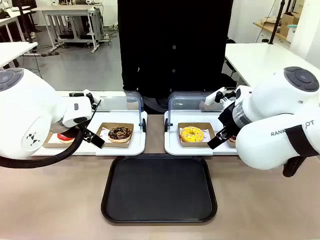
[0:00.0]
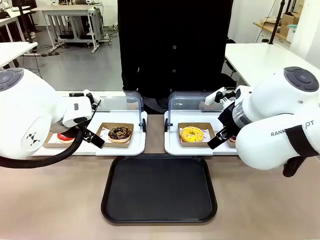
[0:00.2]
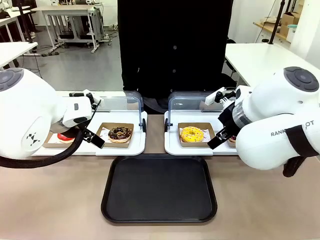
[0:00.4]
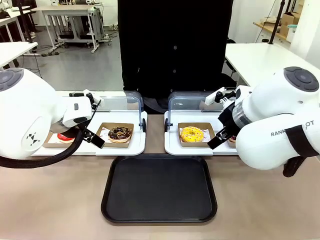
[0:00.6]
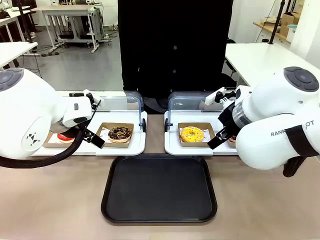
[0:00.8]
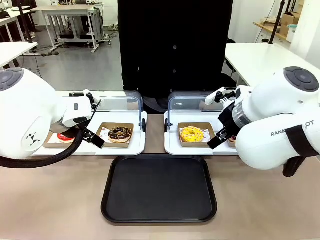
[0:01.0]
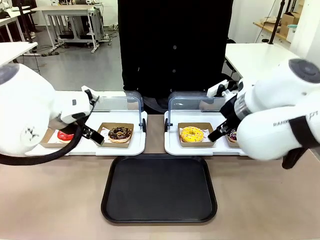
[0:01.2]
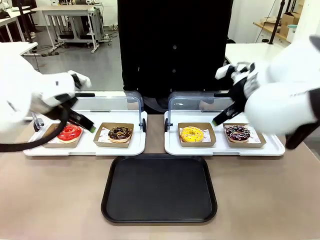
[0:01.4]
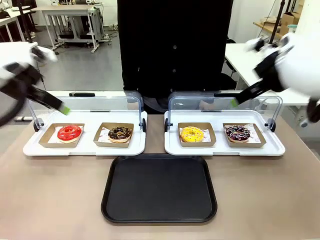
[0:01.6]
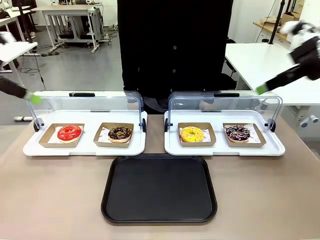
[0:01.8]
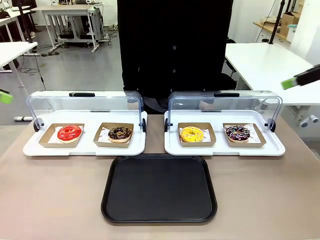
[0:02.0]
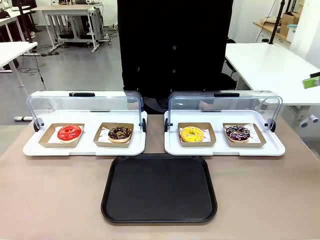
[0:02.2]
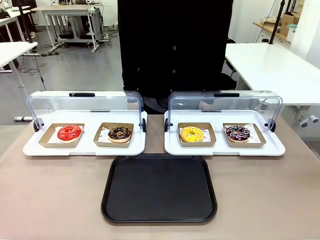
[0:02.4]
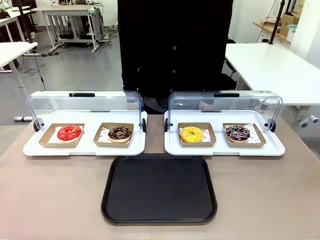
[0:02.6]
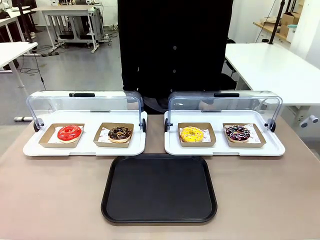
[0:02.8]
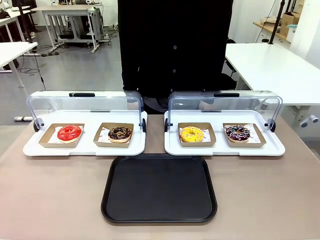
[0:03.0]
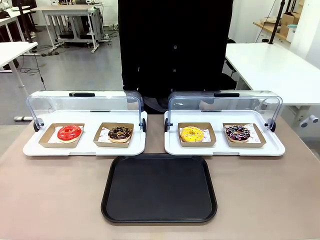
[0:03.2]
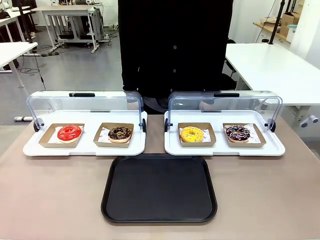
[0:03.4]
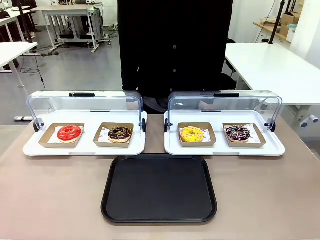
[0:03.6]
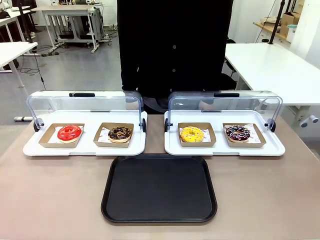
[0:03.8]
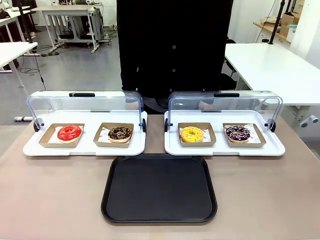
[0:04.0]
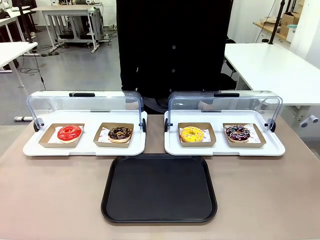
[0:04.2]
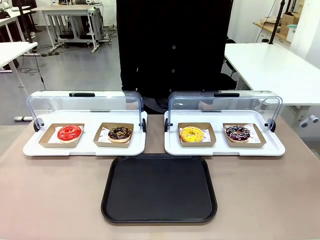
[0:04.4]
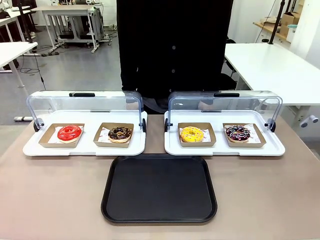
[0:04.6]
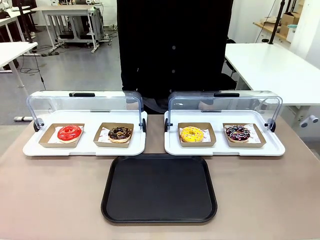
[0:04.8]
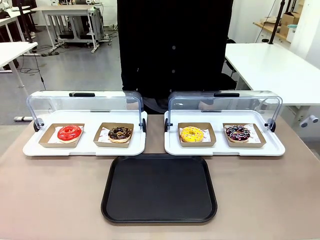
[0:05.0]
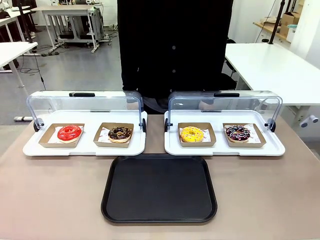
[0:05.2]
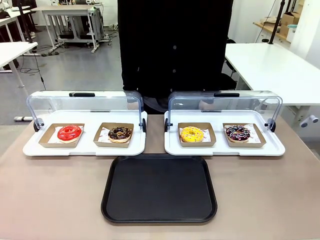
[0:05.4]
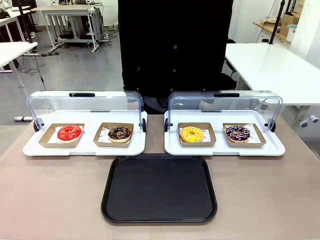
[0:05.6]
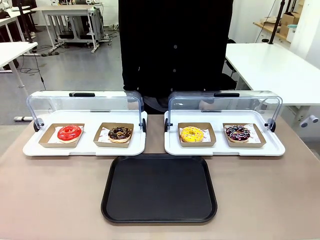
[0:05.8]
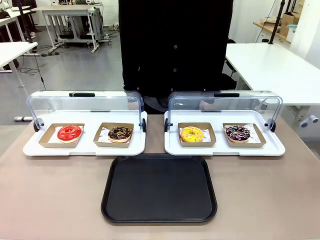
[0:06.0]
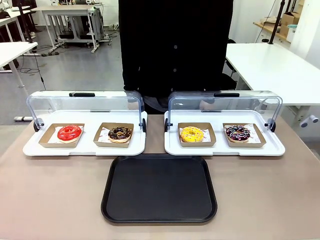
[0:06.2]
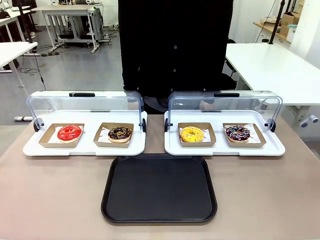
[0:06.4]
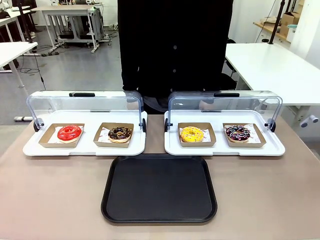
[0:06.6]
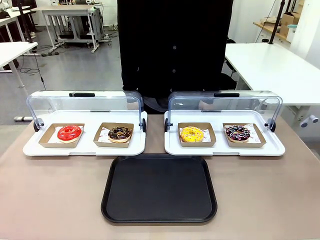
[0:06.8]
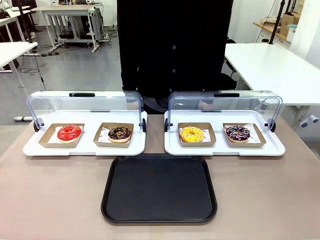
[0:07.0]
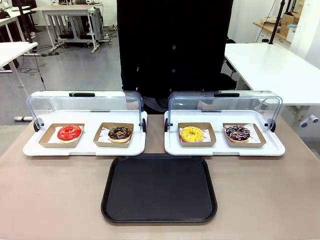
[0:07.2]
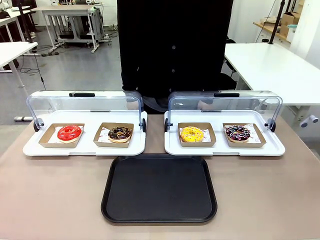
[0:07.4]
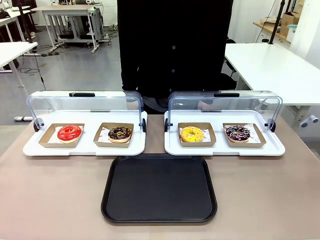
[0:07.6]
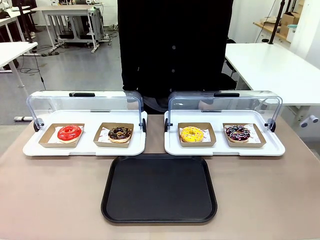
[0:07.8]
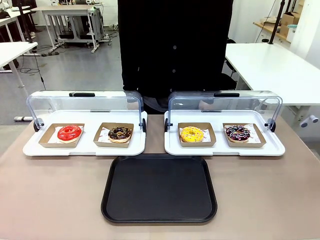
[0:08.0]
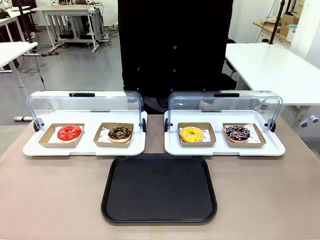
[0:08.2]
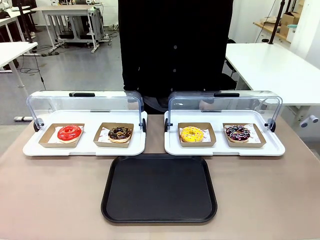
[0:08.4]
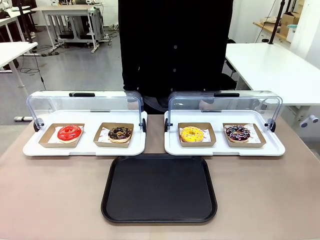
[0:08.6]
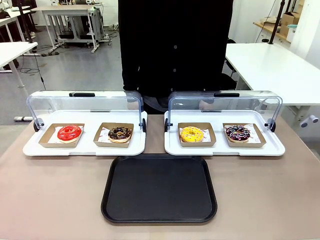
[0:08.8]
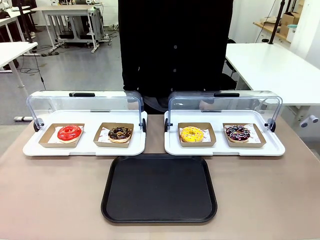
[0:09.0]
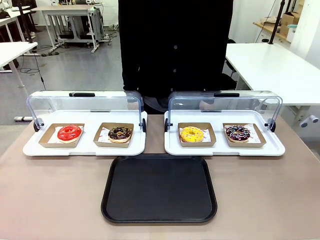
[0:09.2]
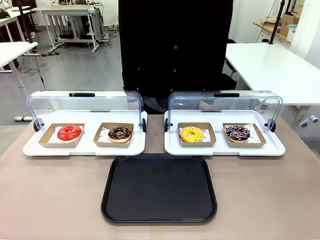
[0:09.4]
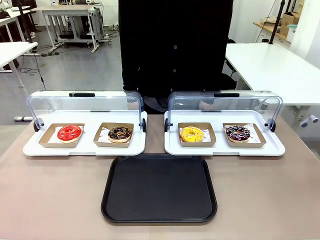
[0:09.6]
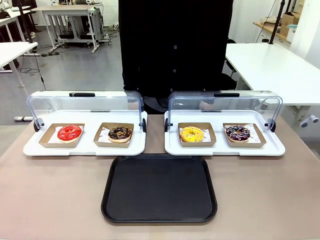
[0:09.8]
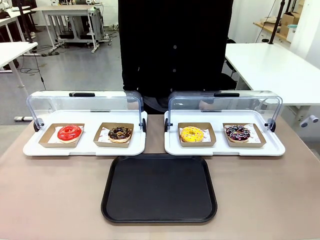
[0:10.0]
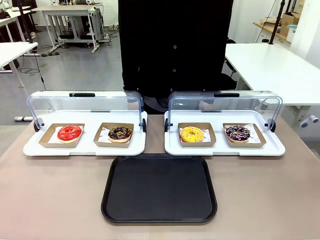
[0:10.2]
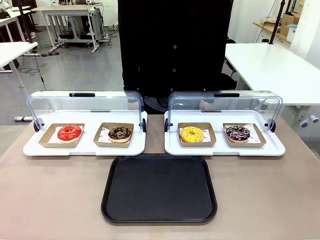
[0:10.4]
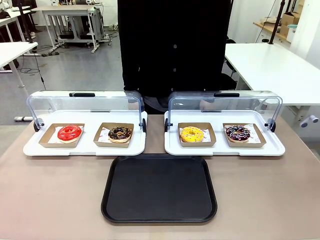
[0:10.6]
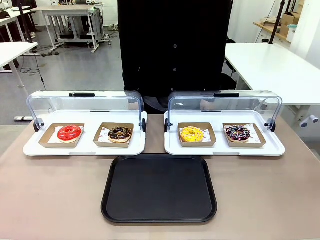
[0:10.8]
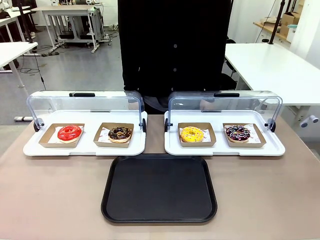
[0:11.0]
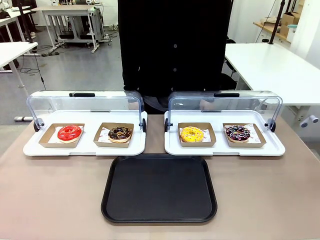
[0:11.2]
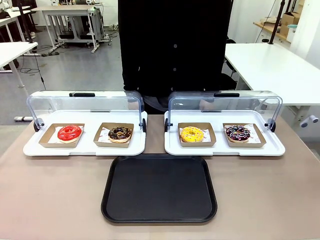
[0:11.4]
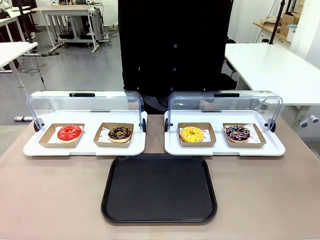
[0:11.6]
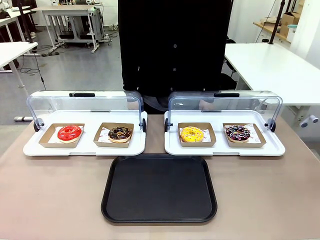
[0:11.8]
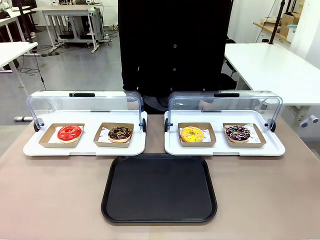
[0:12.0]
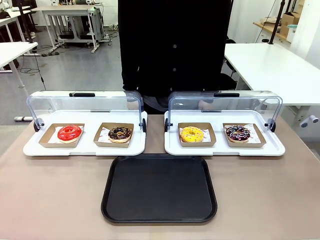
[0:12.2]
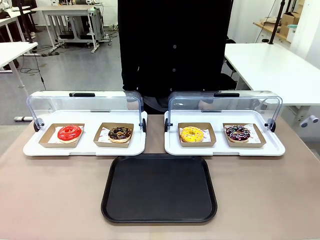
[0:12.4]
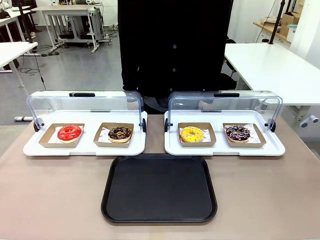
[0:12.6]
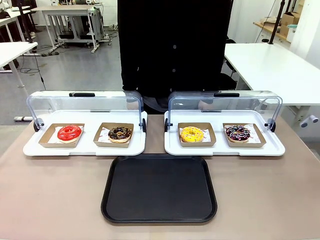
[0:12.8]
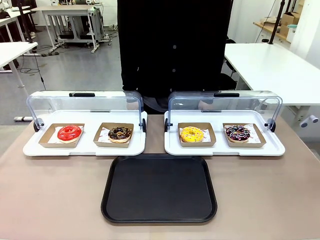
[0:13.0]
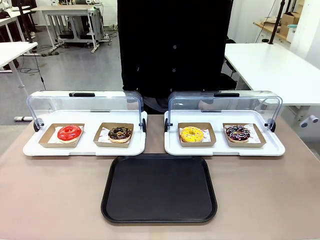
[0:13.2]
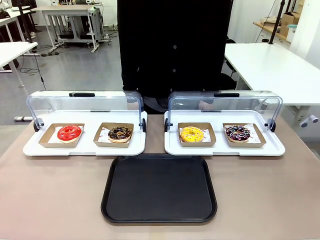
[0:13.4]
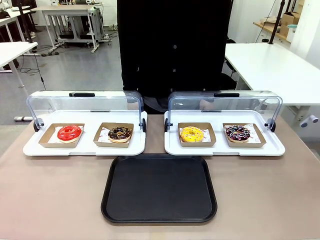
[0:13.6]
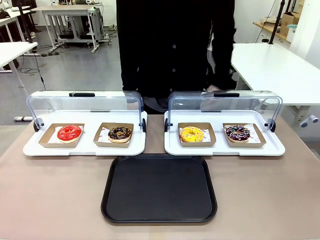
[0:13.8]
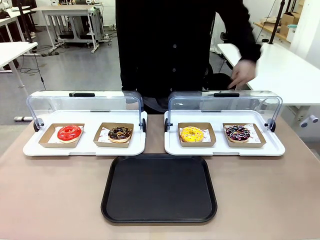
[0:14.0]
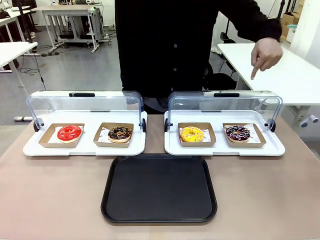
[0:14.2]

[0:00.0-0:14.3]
Task: Move the fourth donut from the left to the tray.
Robot: Pick up the Paper togo box containing the Donut indicated by the person and place it on the Handle tray.
